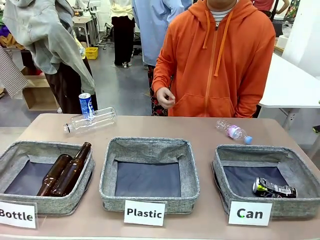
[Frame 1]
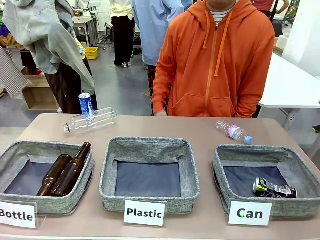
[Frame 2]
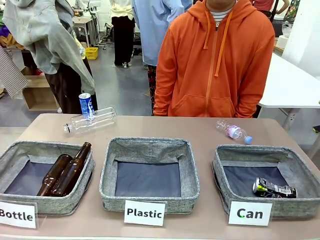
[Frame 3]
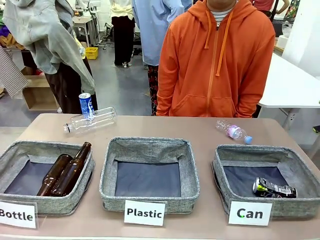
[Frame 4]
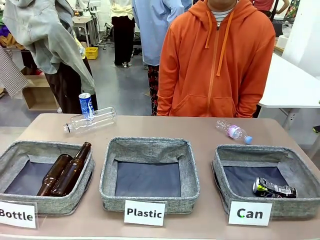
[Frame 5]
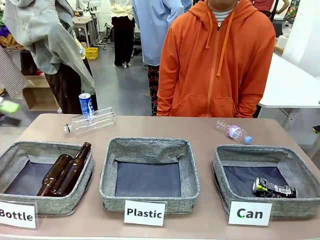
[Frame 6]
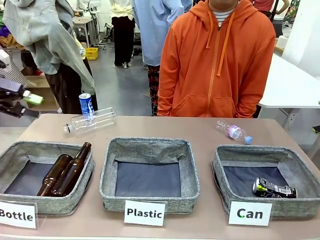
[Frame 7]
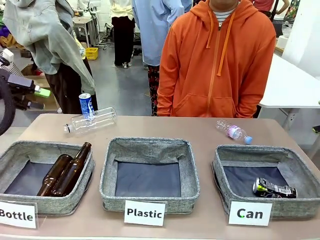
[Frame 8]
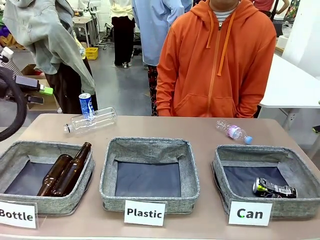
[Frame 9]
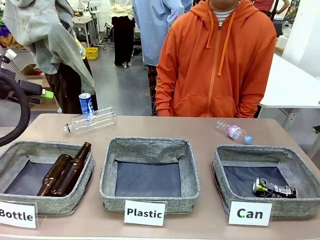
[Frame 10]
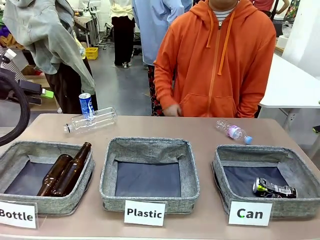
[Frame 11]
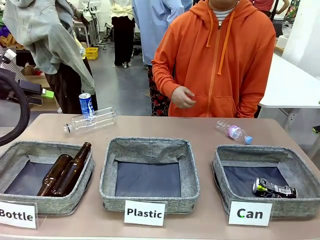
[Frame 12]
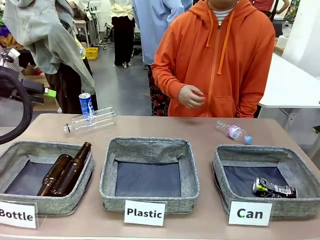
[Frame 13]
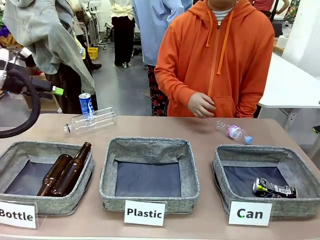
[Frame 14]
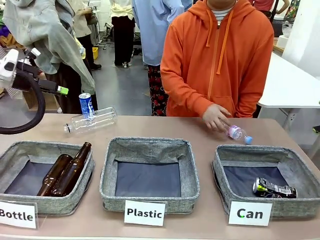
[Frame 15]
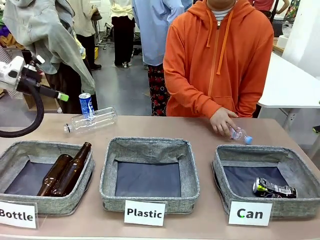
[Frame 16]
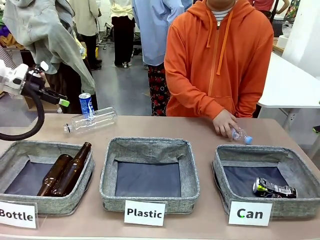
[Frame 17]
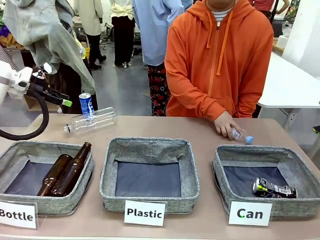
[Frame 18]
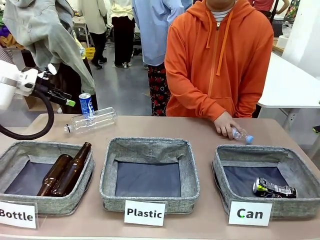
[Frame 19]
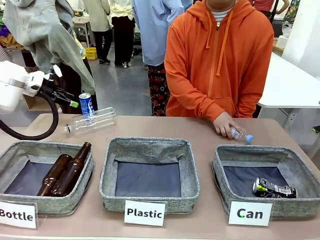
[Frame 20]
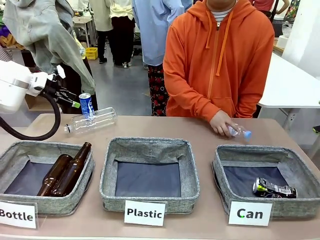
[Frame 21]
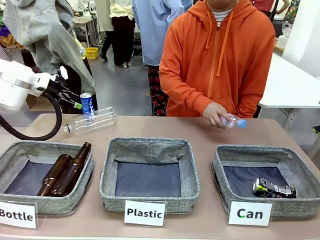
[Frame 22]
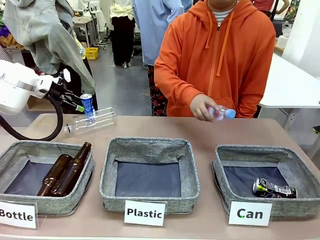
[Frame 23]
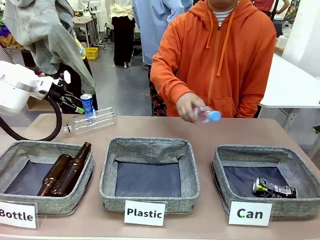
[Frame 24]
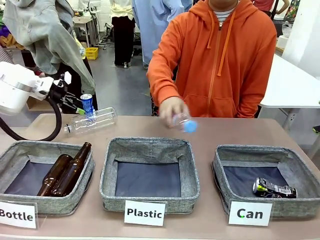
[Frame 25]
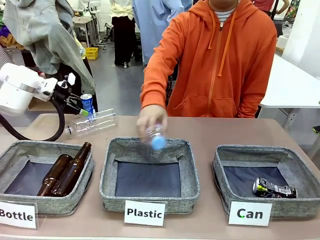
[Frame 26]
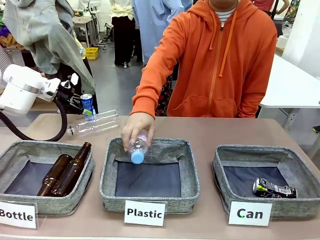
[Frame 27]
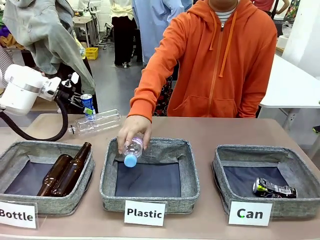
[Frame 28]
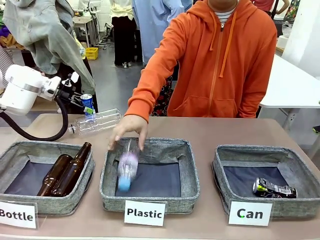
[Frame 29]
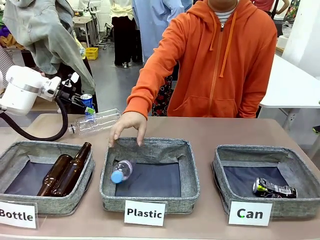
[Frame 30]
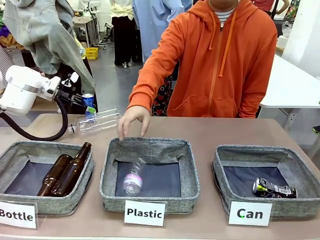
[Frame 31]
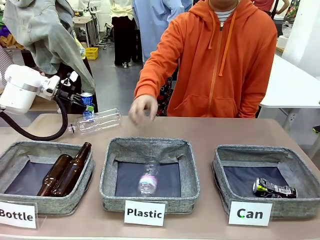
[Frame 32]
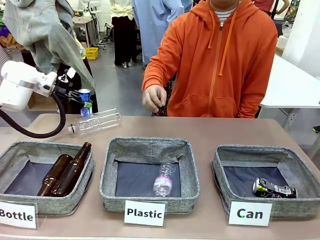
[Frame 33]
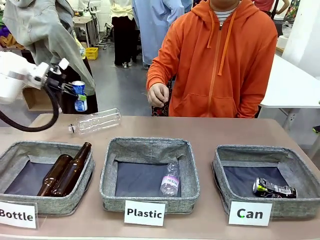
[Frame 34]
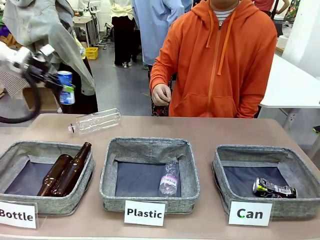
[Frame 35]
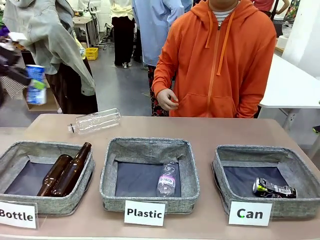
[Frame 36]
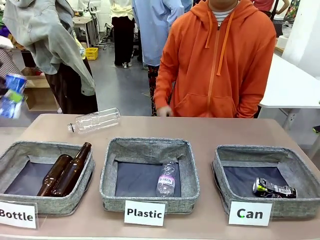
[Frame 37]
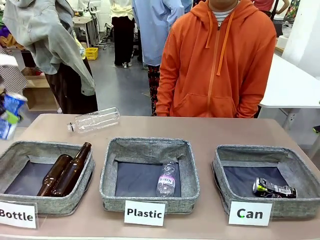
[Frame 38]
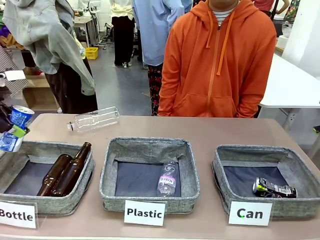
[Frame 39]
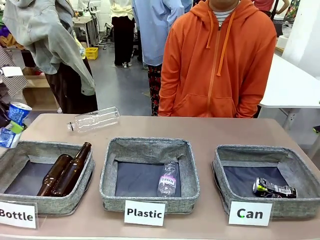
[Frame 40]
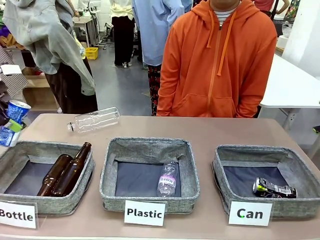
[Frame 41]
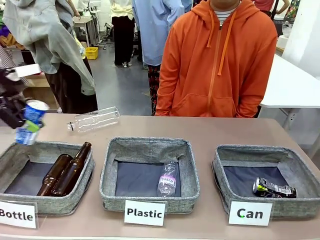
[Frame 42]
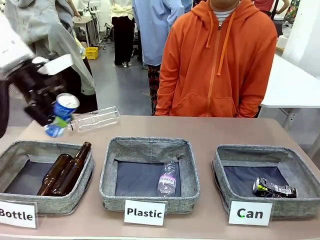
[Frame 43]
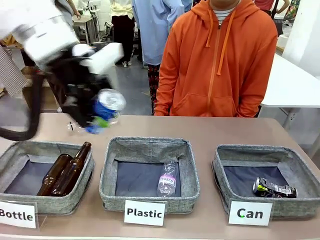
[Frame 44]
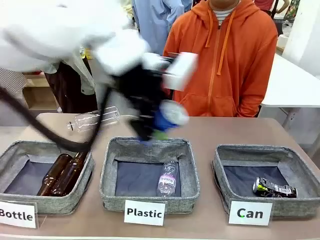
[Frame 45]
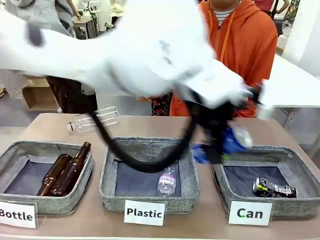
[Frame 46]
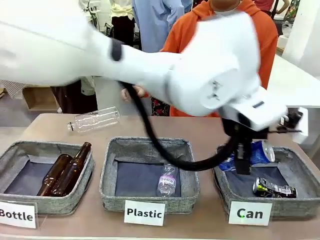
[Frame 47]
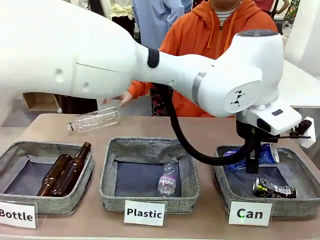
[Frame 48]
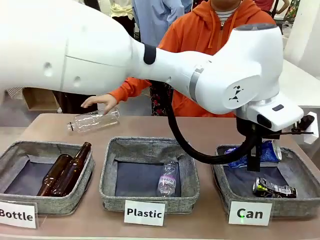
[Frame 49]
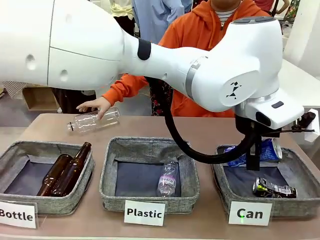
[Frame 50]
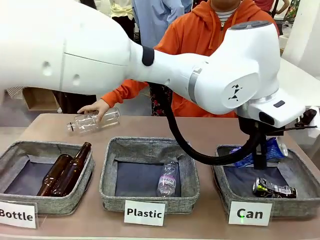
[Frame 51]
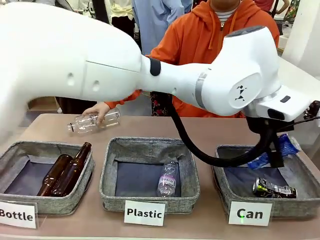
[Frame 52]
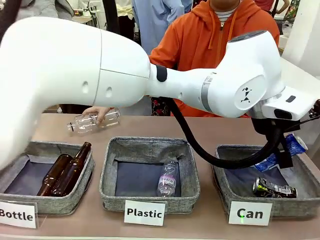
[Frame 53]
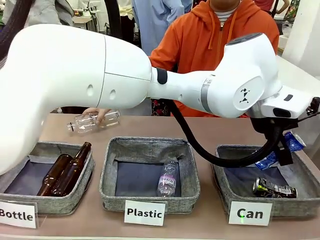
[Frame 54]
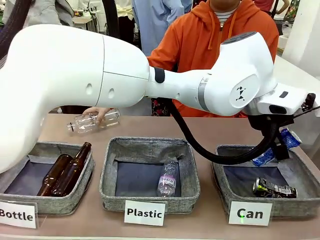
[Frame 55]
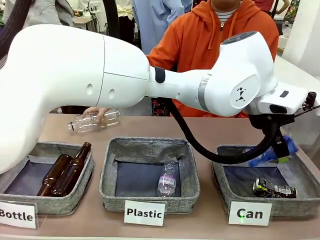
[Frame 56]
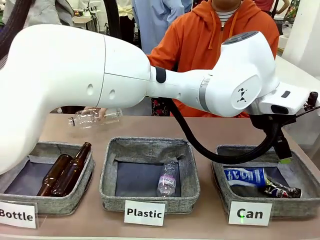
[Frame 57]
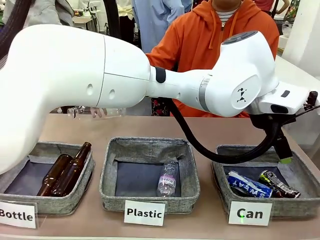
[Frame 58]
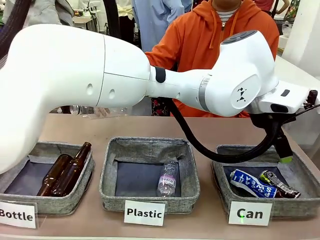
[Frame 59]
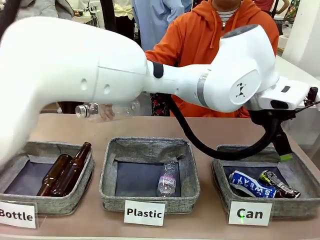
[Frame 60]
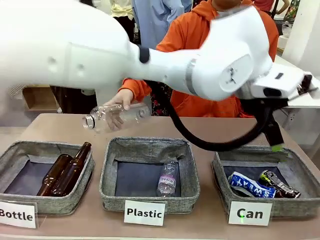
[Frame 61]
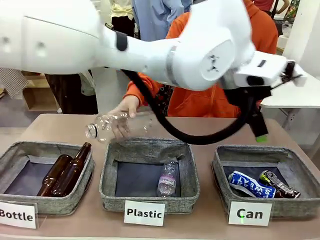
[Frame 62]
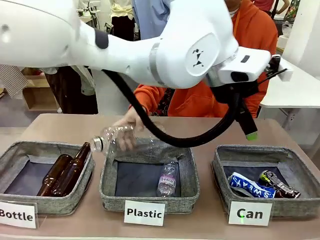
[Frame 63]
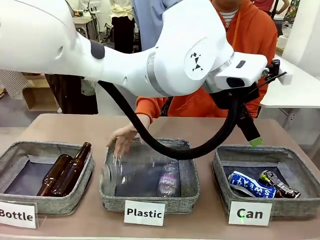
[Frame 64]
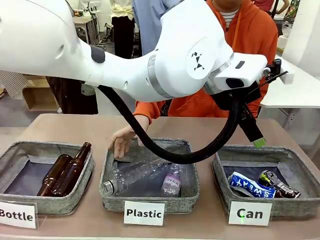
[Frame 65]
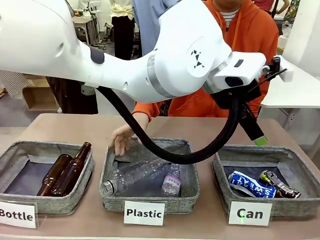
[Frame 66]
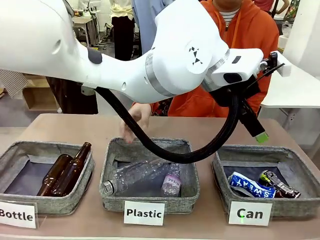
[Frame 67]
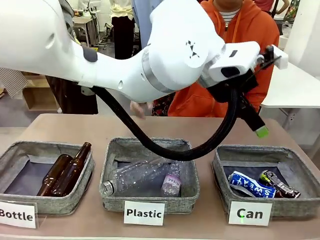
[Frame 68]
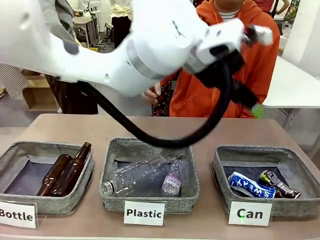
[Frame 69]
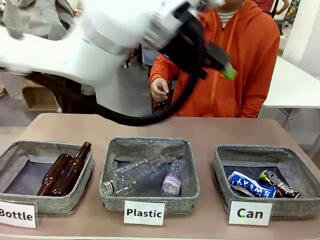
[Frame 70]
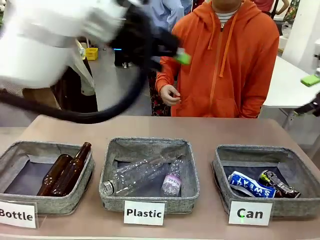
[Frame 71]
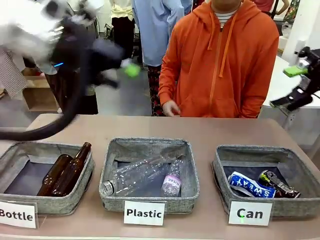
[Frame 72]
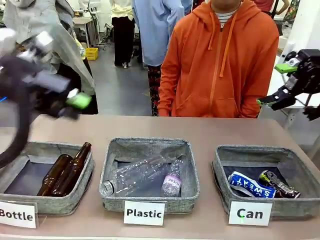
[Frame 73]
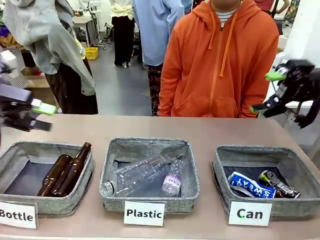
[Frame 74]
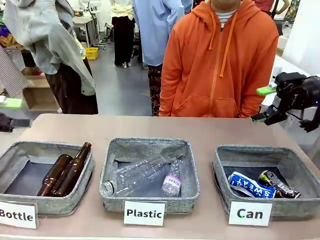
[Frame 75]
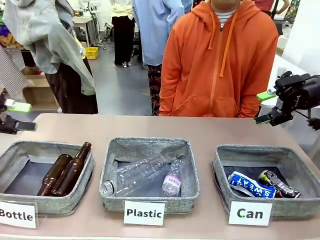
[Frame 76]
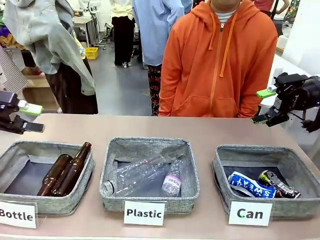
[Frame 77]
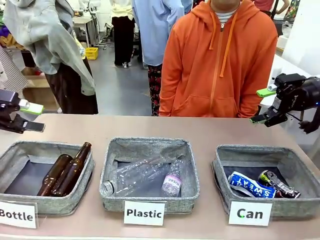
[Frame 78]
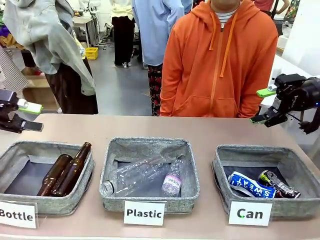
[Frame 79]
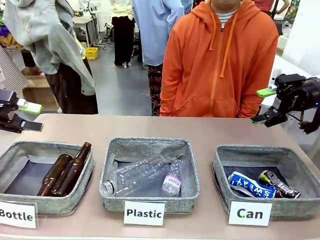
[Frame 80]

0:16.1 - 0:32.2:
Task: Sort the can waste into the basket.
Robot: Pick up the can waste from the table and place it in the right Fabric basket.
